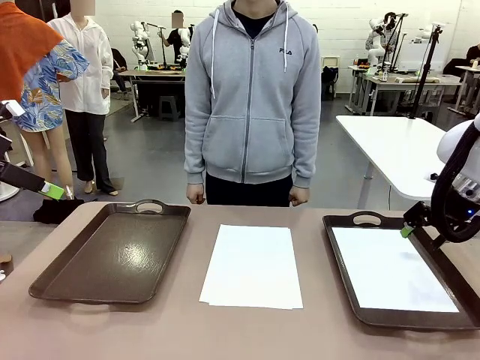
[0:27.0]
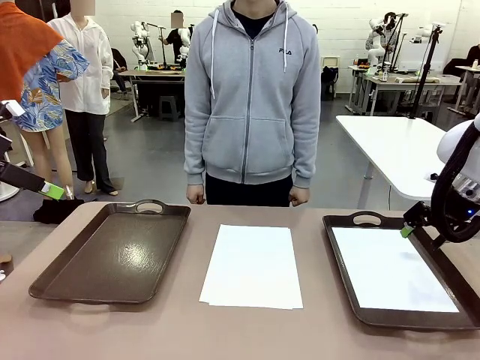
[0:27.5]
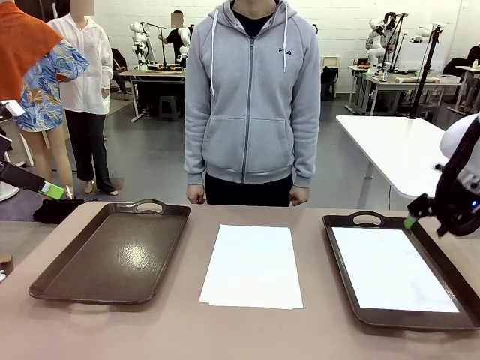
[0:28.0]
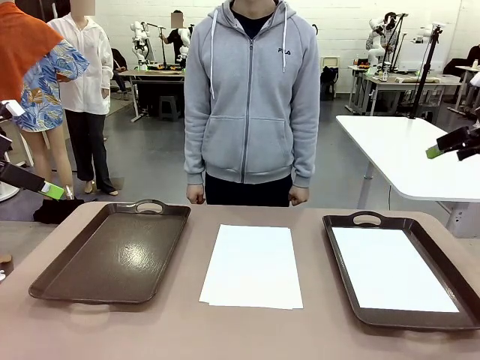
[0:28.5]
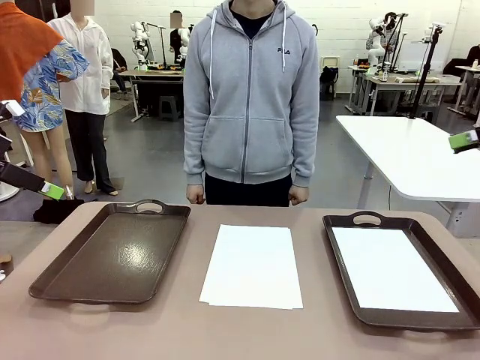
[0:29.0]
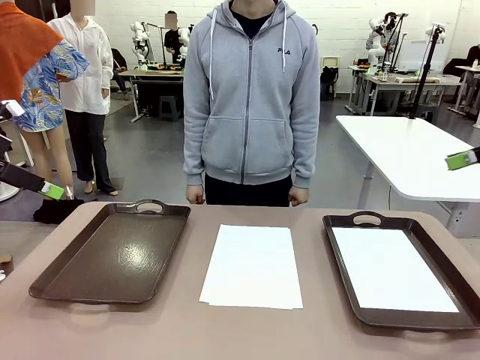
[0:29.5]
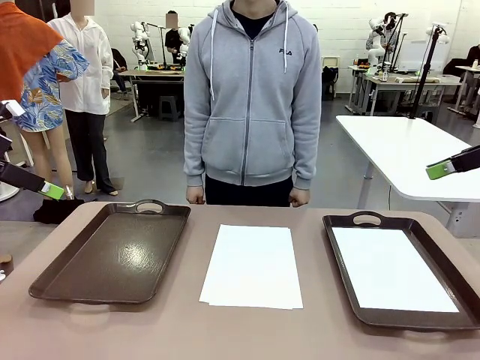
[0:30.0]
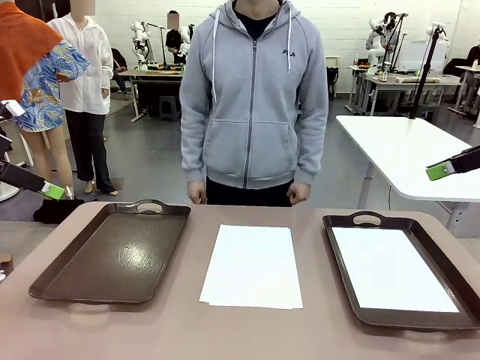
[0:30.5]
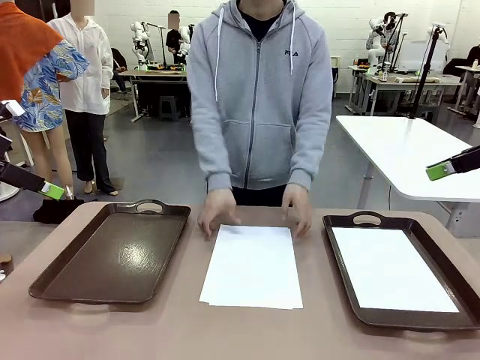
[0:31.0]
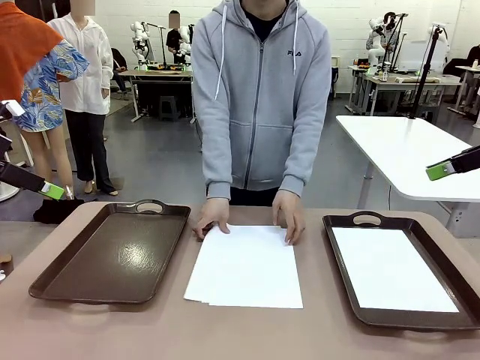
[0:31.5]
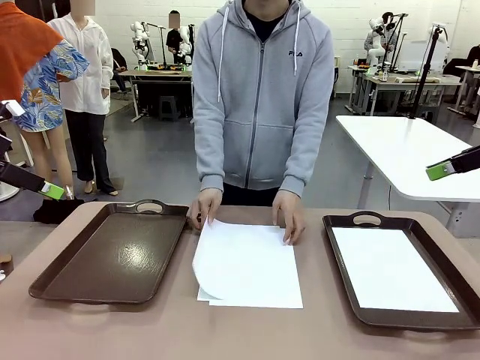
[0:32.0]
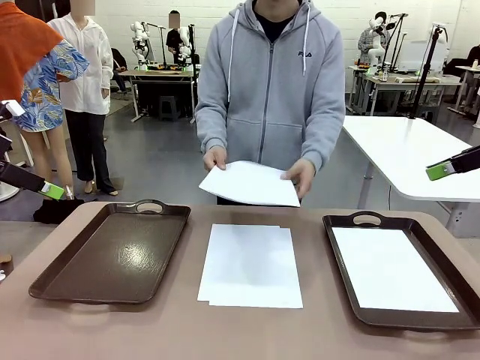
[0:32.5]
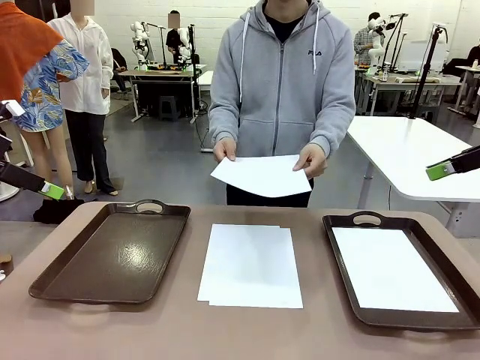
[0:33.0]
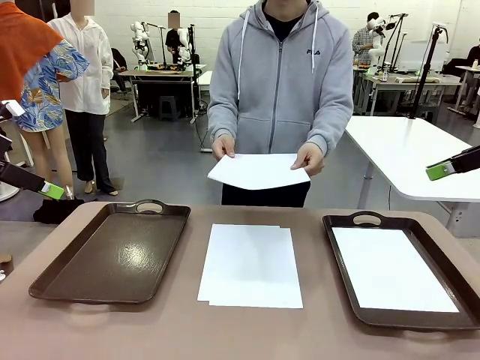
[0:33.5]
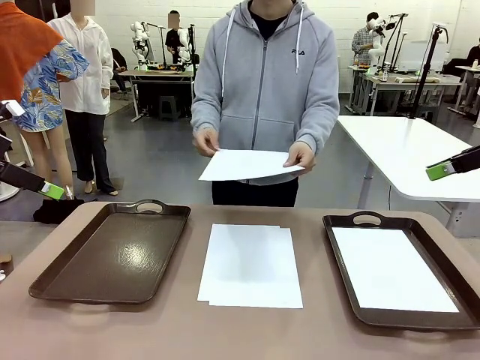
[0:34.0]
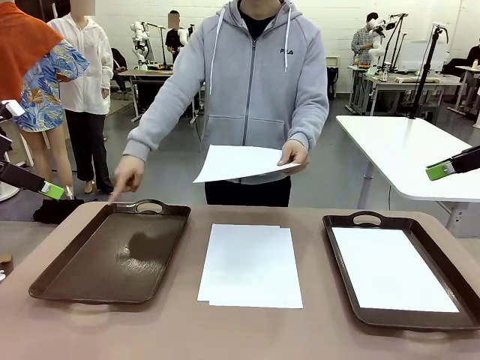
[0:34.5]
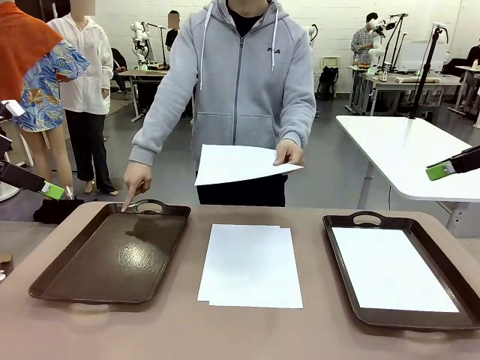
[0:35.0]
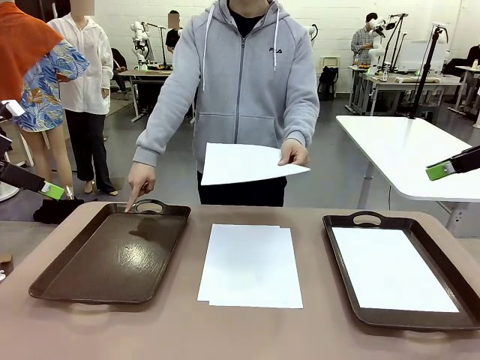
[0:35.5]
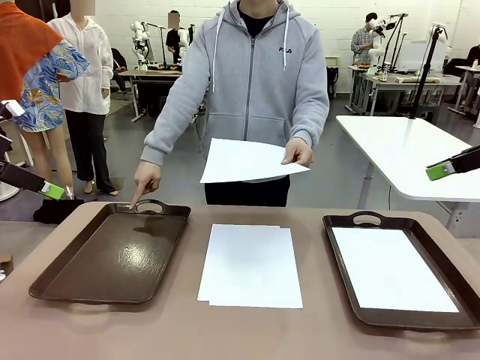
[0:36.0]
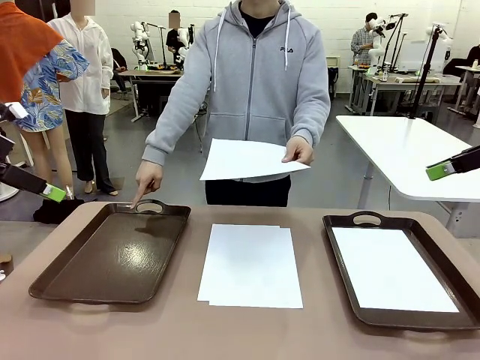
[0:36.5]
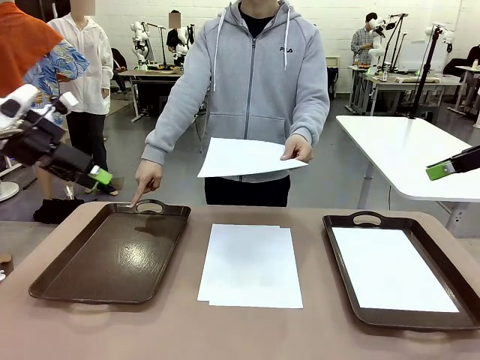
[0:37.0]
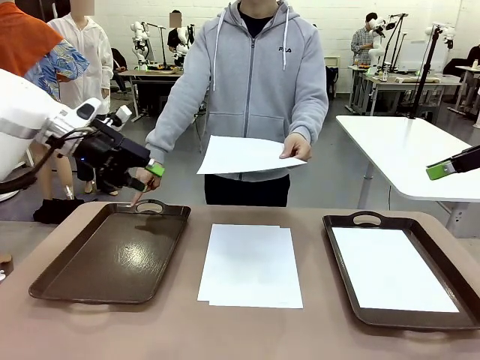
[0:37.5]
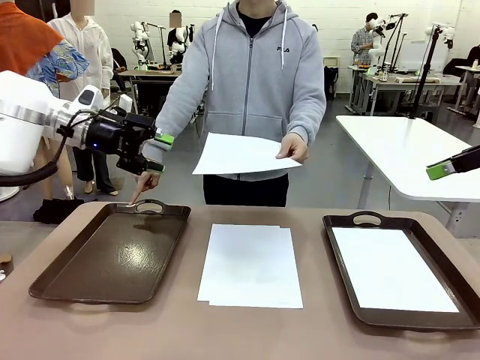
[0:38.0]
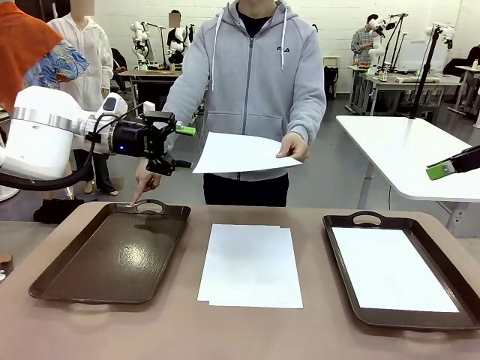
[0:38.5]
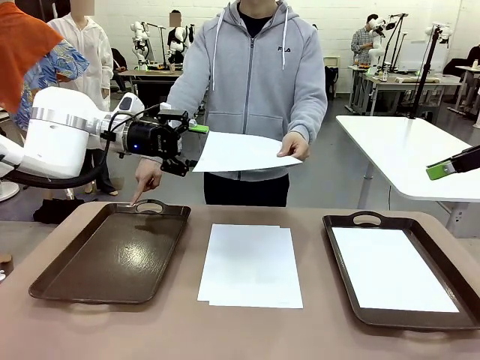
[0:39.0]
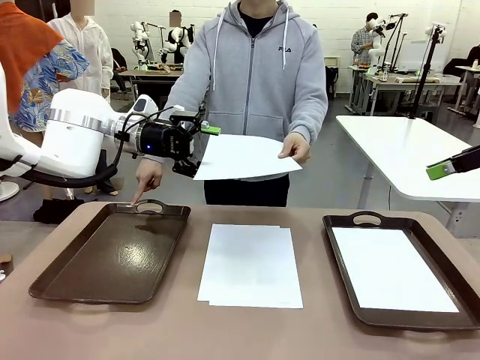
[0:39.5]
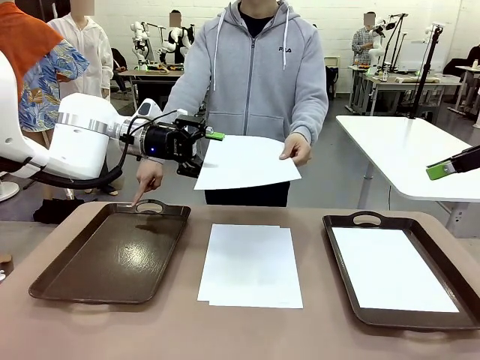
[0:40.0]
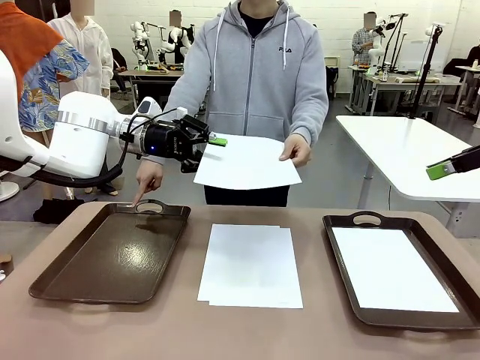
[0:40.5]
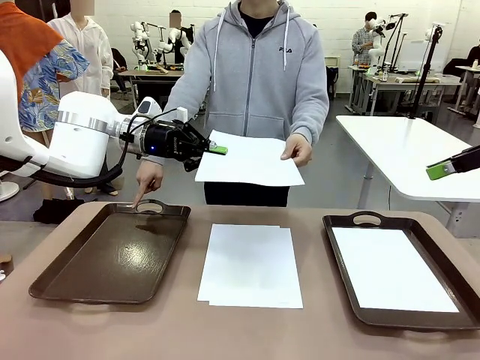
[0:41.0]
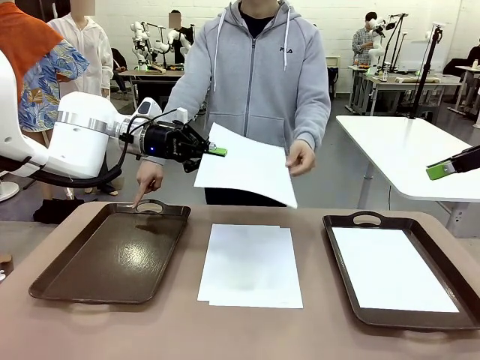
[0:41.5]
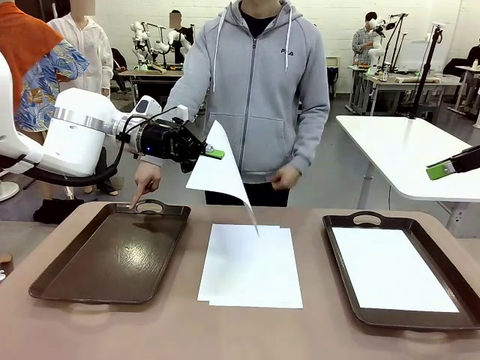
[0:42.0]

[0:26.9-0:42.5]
Task: Sort the A4 documents.
Robot: Receive the A4 Paper.
Person: Point the randomly selected tray with the other hand.

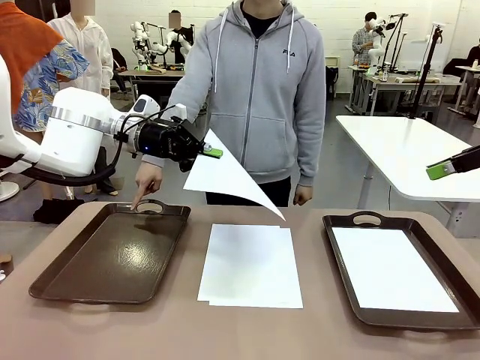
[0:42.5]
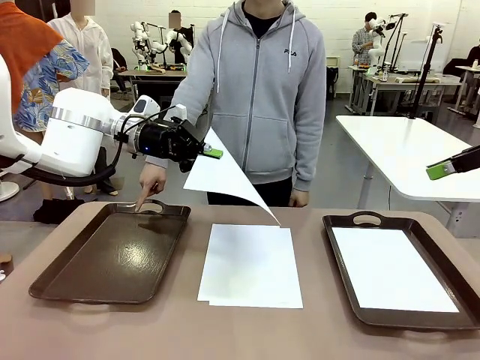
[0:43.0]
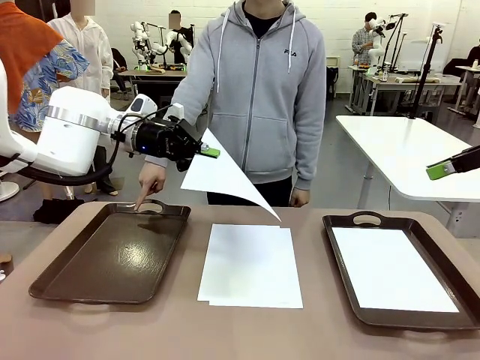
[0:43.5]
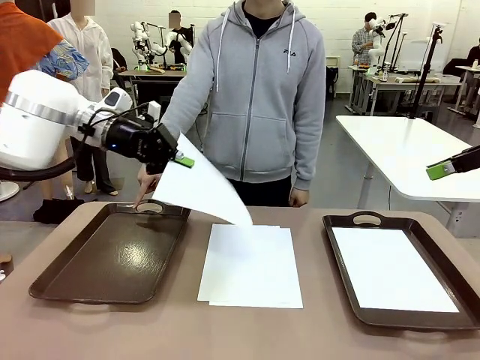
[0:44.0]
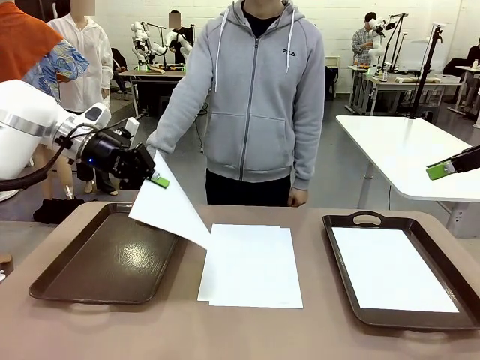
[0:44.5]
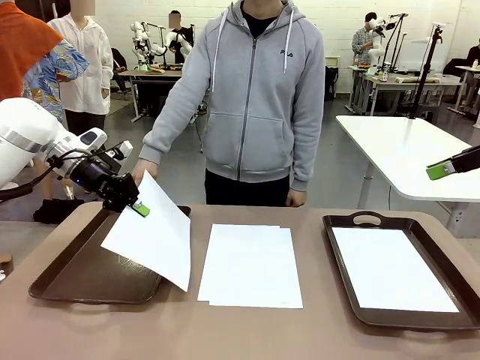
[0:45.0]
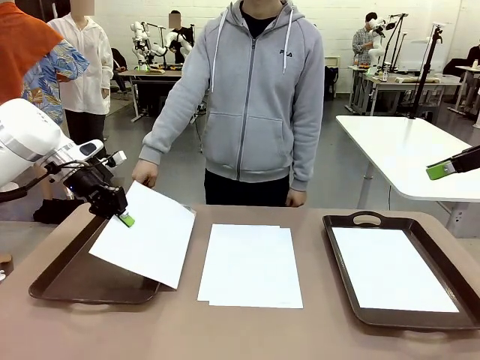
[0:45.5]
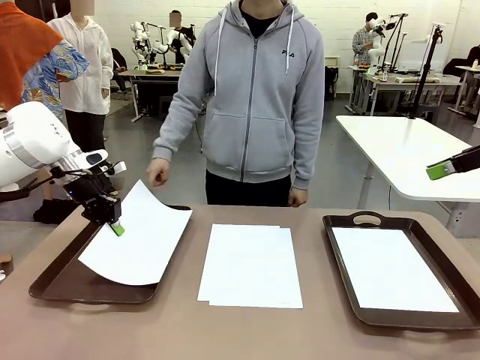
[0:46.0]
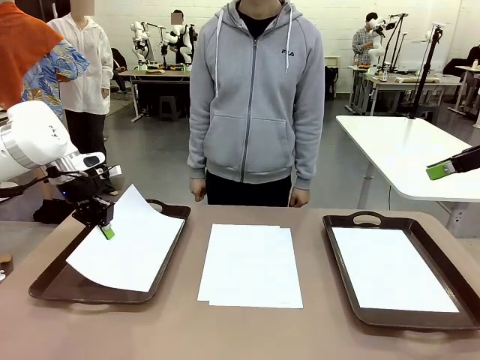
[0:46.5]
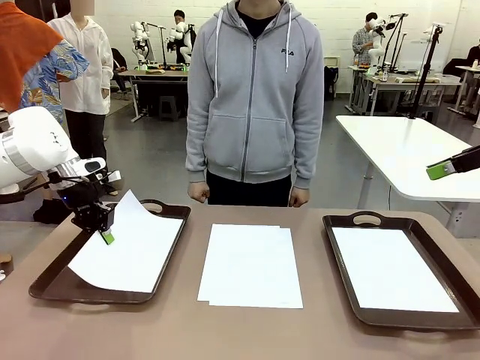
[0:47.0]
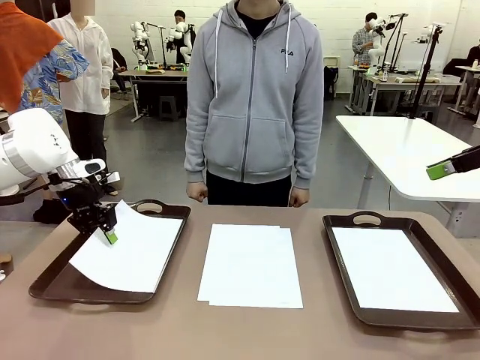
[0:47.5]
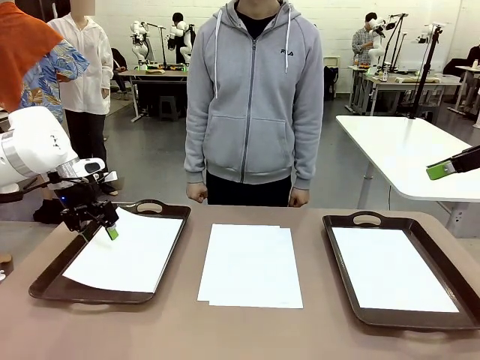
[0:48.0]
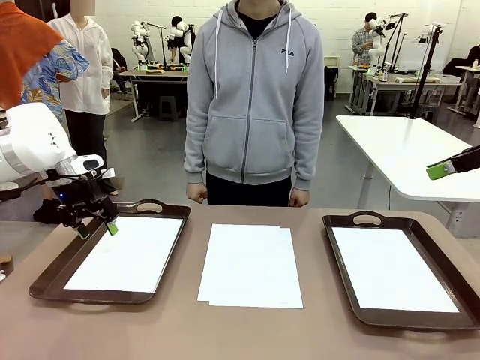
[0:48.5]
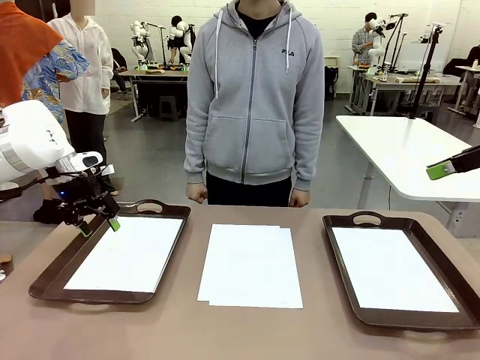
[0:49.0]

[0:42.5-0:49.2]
Robot: Place the A4 Paper in the designated Handle tray.

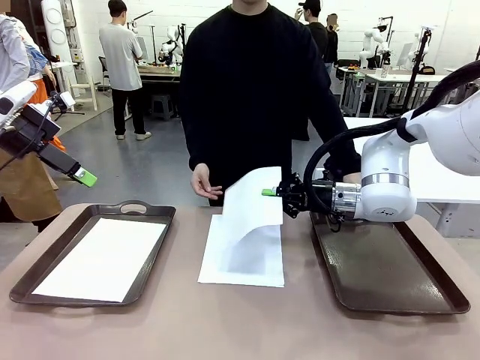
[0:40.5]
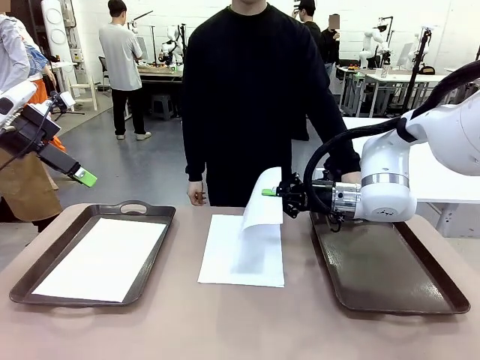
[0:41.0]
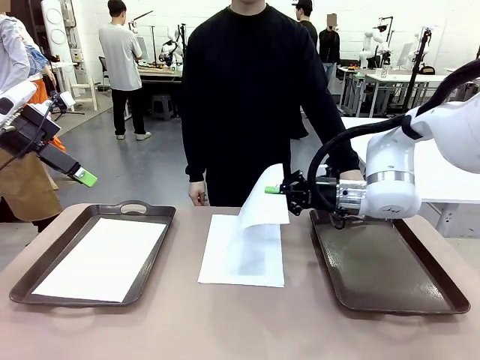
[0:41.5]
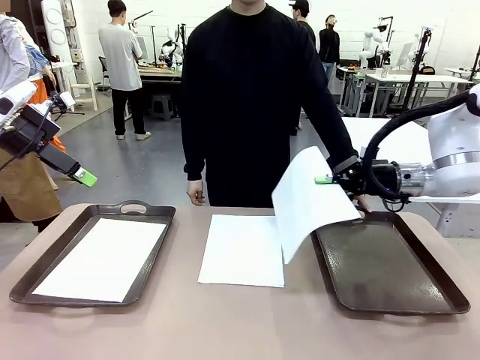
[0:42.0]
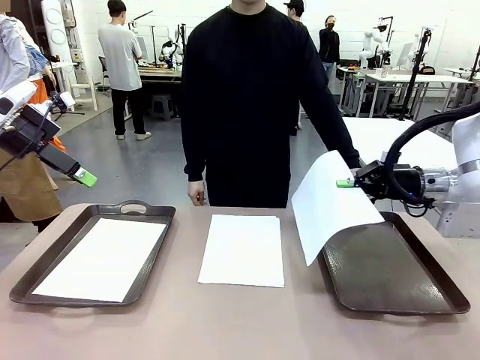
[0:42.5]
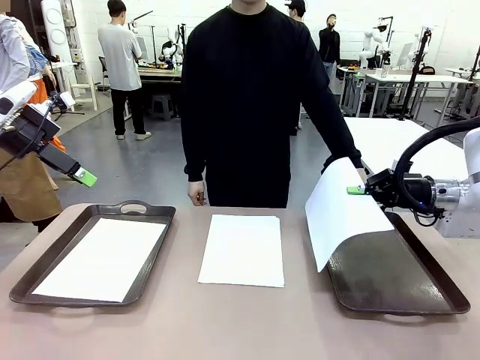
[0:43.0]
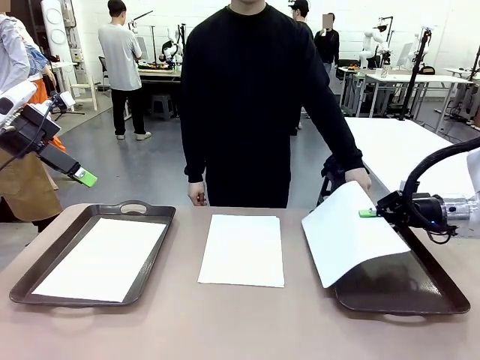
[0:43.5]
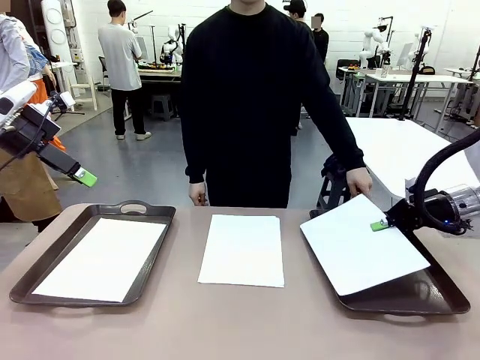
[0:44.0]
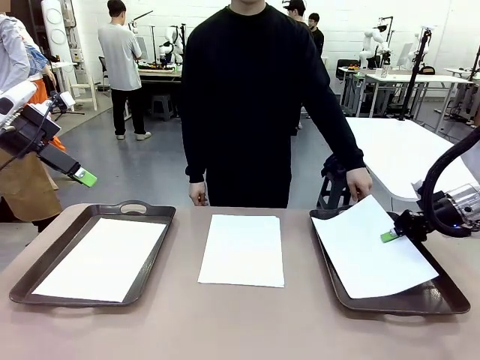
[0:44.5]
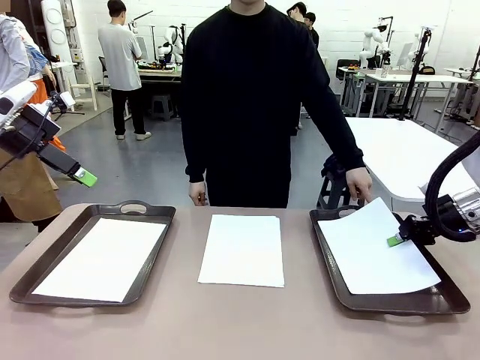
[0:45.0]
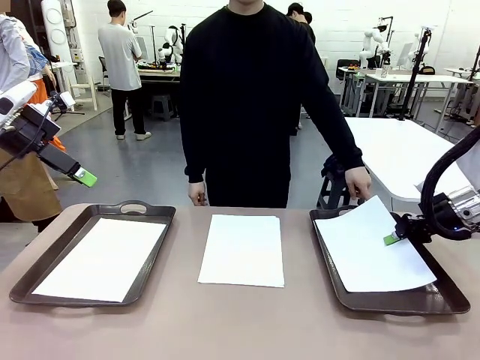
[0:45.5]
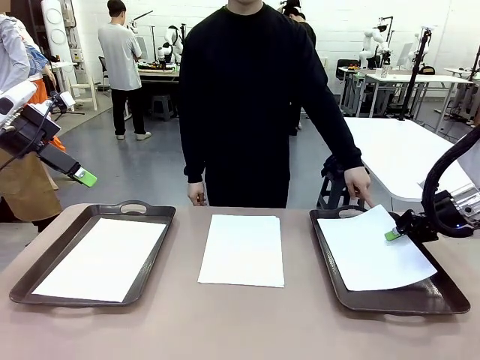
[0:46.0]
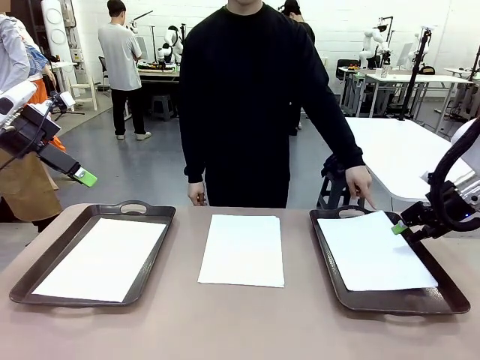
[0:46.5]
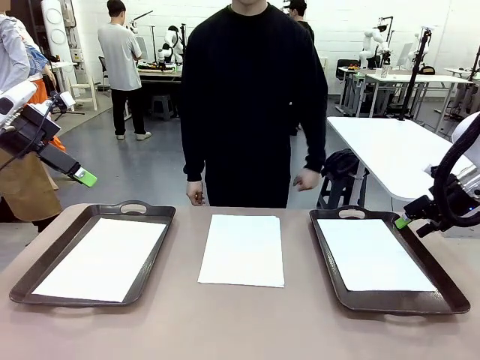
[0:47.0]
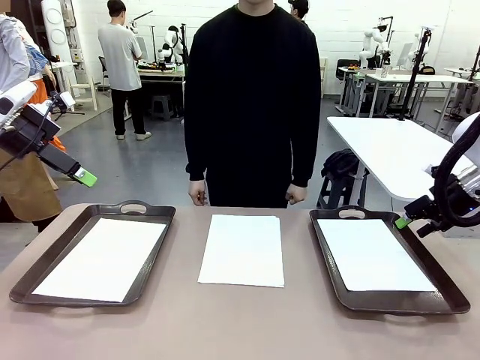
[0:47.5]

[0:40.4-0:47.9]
Task: Sort the A4 documents.
Robot: Place the A4 Paper in the designated Handle tray.
